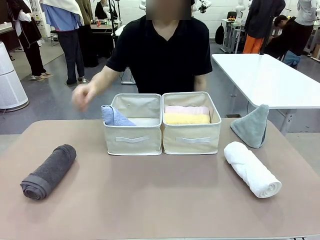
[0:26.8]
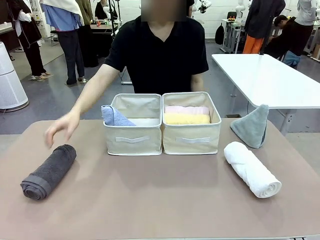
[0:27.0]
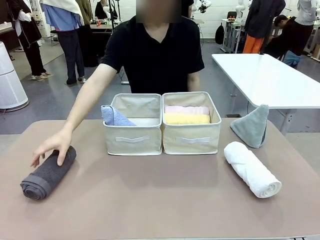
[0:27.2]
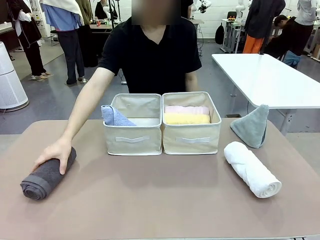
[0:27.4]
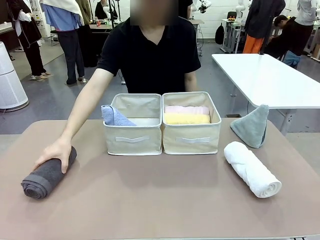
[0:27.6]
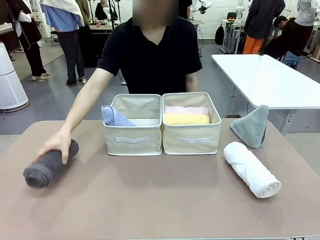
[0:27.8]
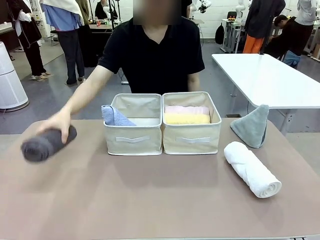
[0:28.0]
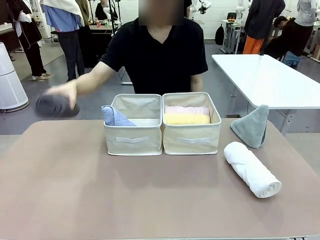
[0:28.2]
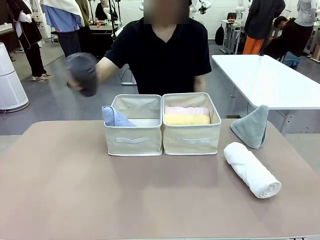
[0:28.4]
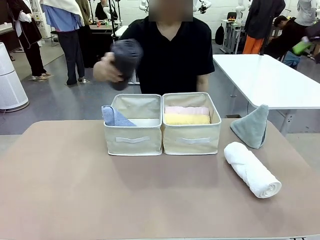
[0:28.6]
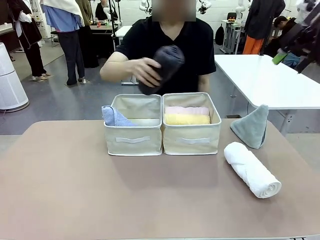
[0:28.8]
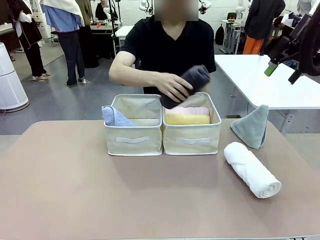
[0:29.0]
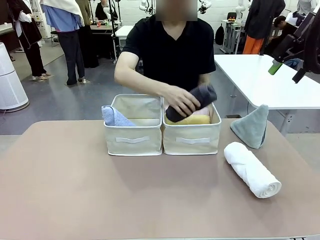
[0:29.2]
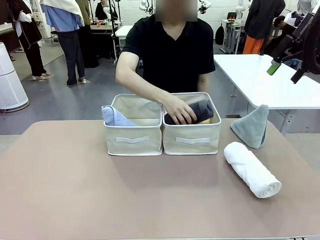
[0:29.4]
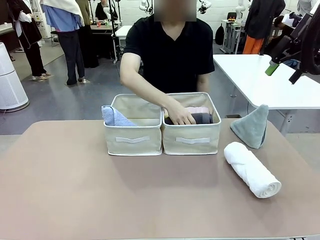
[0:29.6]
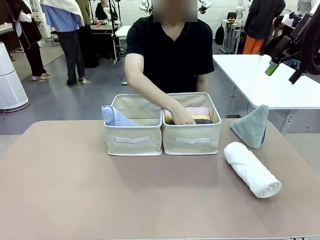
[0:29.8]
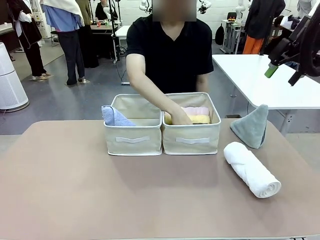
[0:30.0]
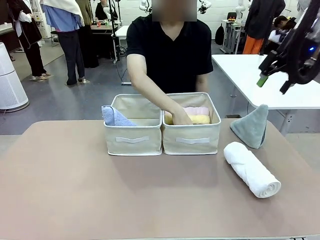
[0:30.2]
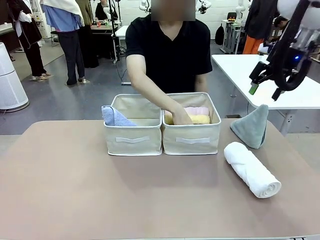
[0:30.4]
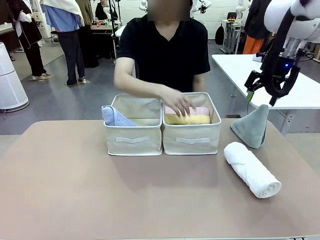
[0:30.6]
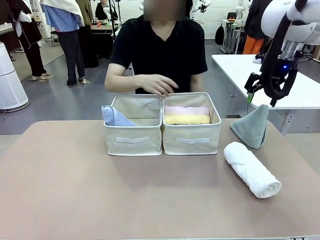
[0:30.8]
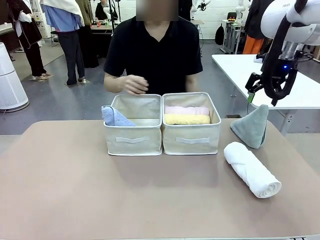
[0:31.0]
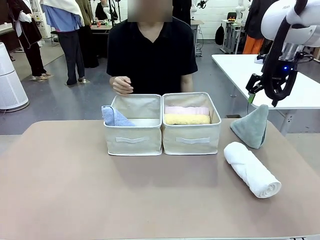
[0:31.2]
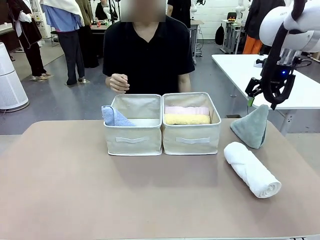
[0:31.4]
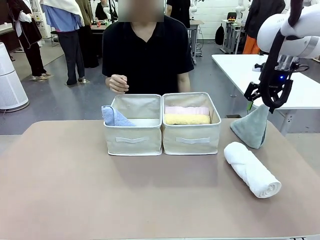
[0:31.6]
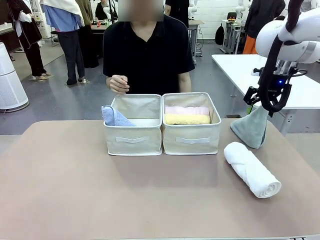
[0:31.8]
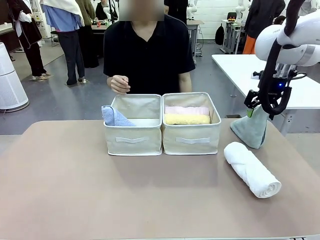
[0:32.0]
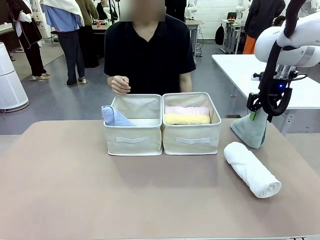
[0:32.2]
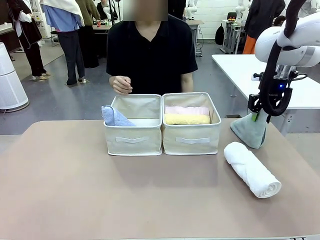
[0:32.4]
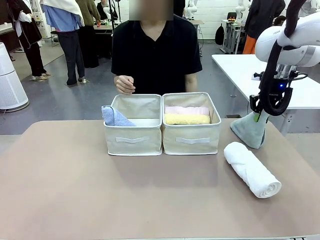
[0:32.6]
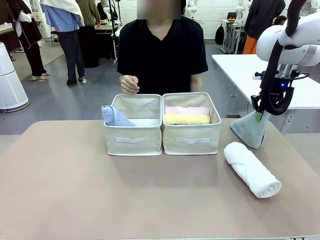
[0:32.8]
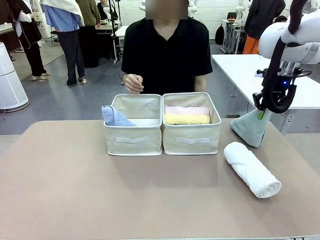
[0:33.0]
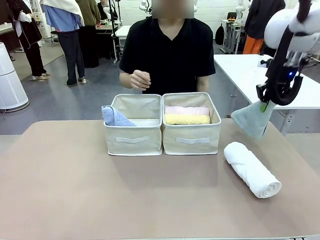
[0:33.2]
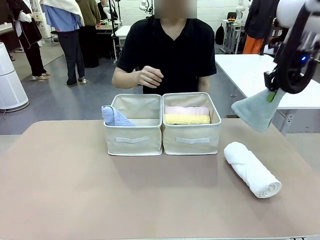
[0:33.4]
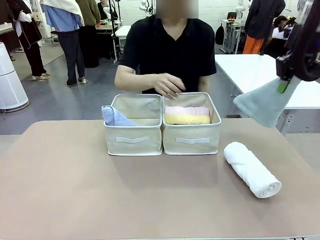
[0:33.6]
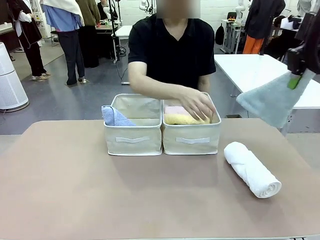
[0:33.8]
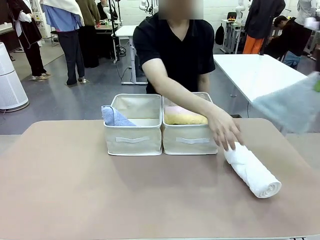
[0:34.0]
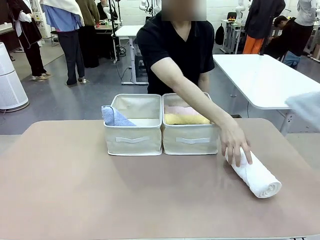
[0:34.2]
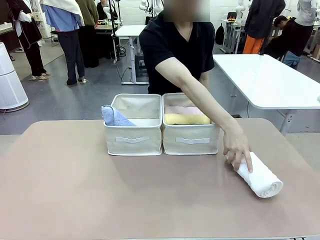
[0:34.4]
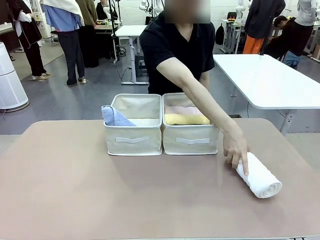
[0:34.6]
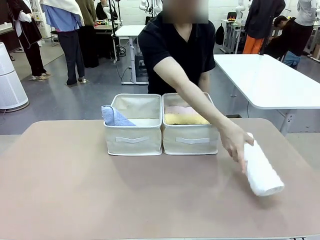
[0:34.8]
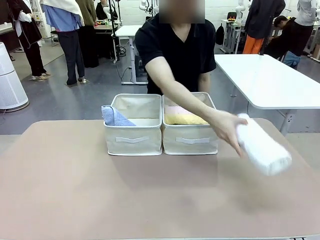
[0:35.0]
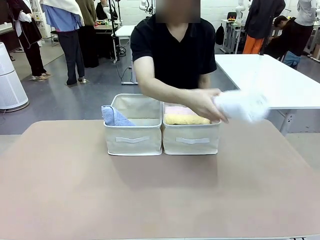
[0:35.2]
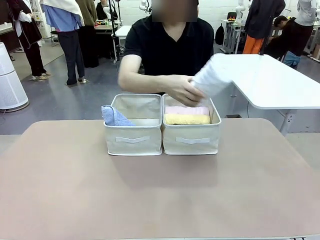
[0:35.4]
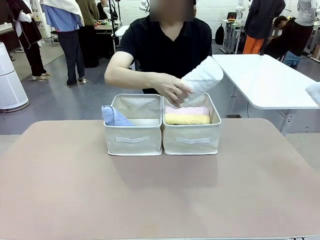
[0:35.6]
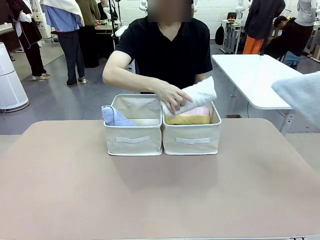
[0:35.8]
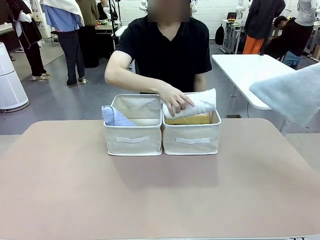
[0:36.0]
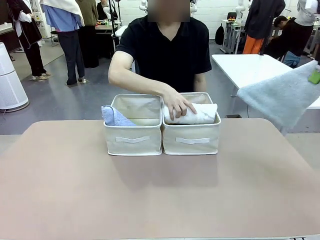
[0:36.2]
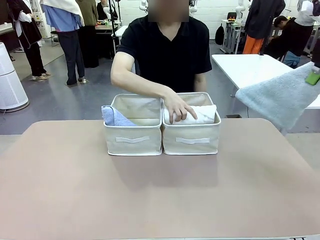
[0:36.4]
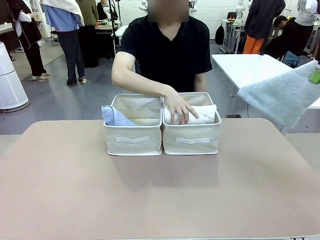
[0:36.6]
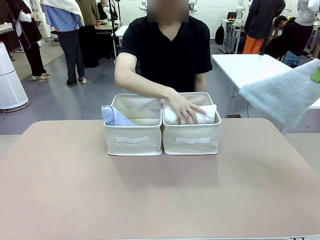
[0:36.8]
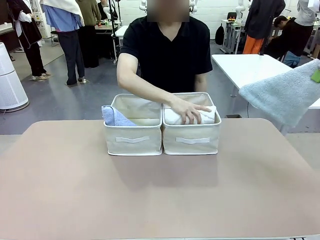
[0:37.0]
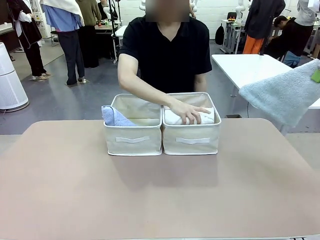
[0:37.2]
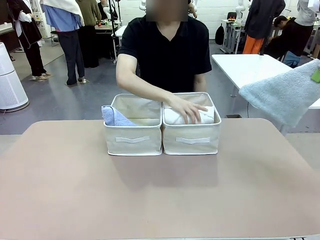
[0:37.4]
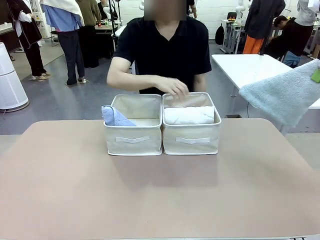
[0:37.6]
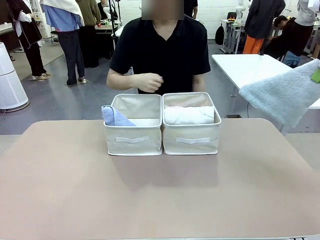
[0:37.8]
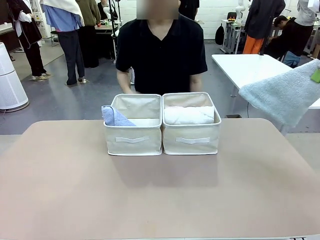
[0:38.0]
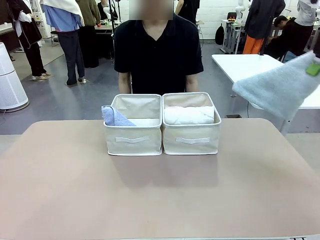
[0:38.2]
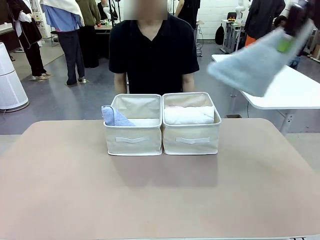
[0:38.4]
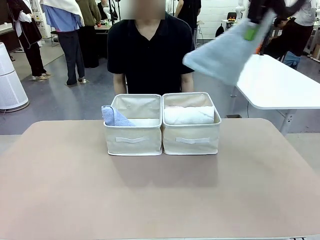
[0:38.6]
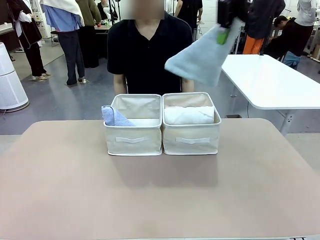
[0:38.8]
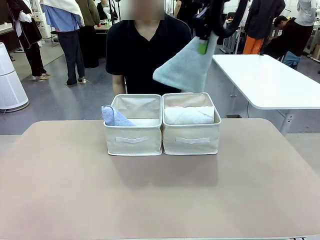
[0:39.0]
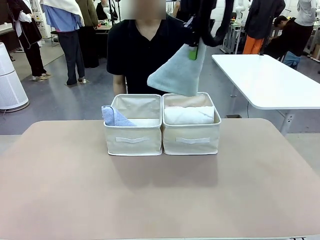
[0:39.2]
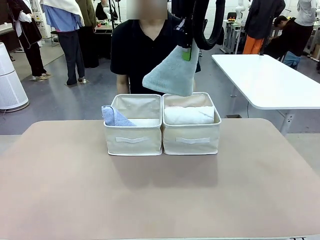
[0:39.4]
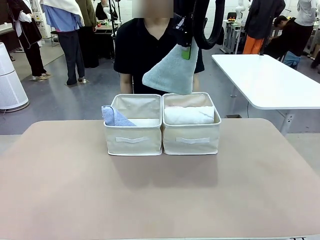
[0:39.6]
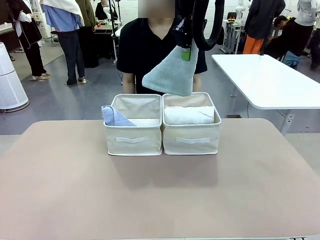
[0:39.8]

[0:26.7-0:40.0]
Task: Sort the towels based on their folding style.
Robot: Pick up another triangle-folded towel from the table and place it in the left Fabric basket.
